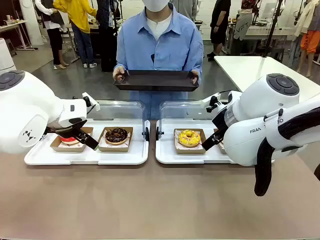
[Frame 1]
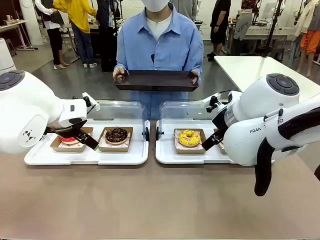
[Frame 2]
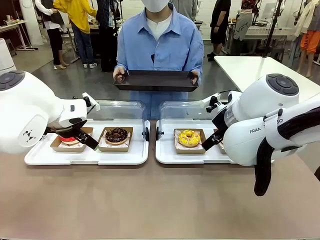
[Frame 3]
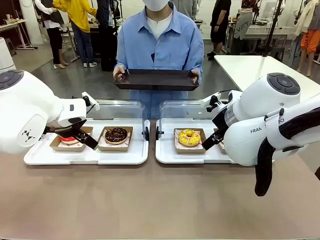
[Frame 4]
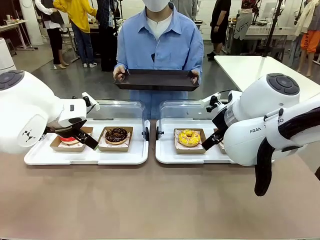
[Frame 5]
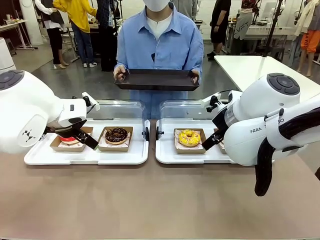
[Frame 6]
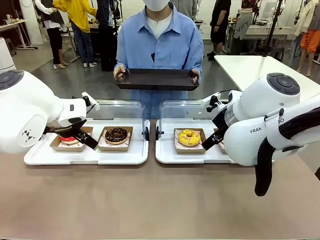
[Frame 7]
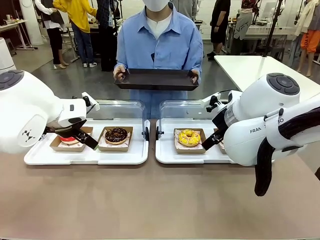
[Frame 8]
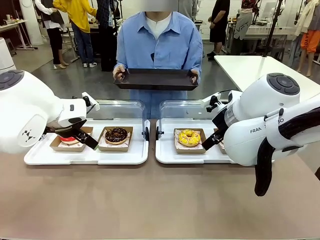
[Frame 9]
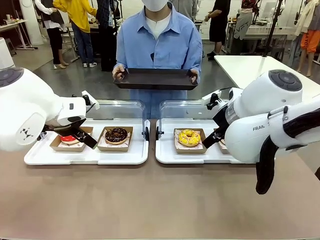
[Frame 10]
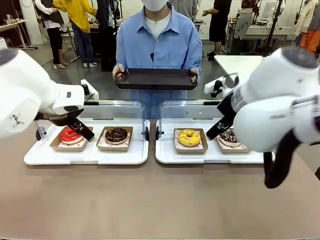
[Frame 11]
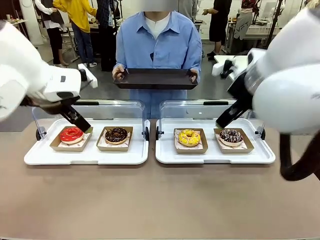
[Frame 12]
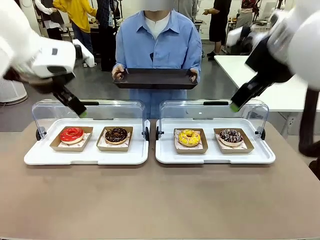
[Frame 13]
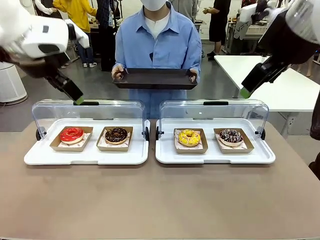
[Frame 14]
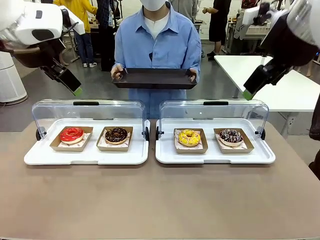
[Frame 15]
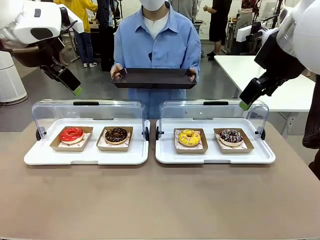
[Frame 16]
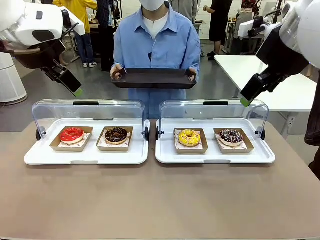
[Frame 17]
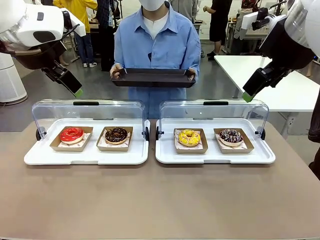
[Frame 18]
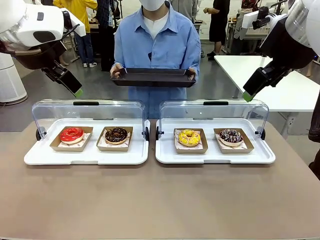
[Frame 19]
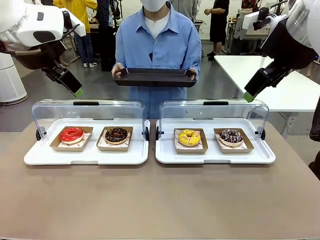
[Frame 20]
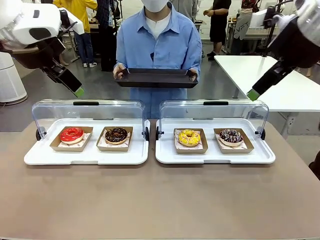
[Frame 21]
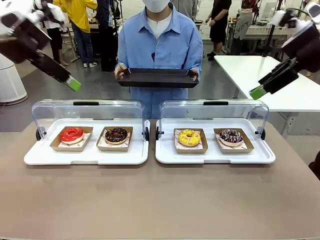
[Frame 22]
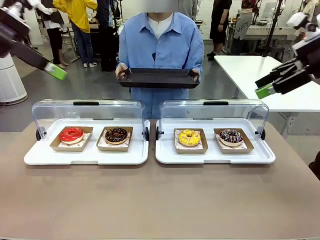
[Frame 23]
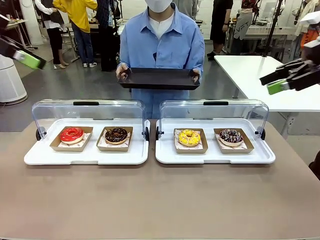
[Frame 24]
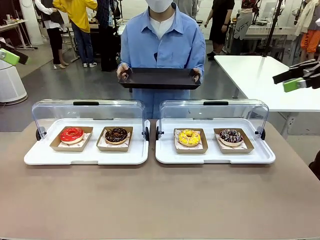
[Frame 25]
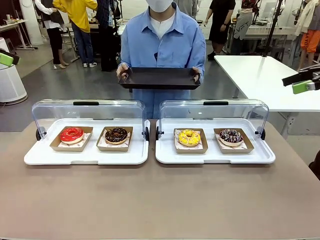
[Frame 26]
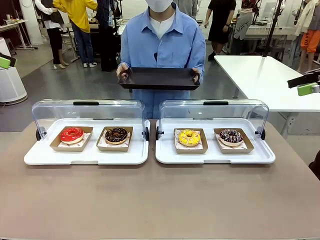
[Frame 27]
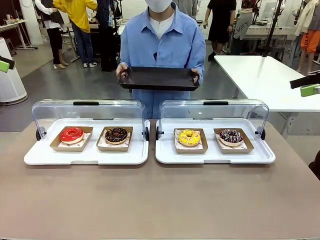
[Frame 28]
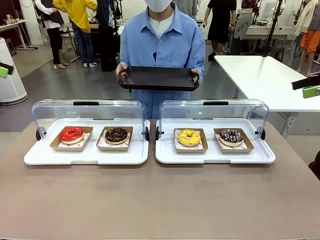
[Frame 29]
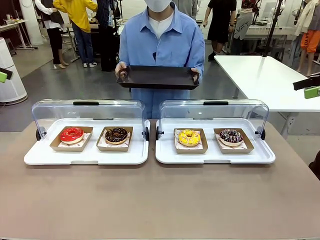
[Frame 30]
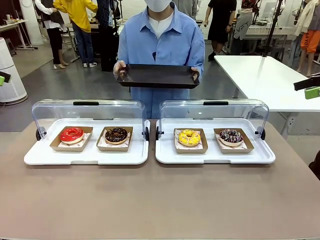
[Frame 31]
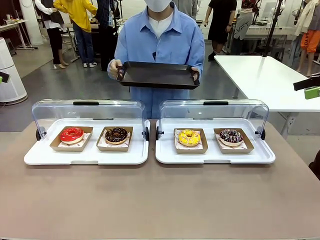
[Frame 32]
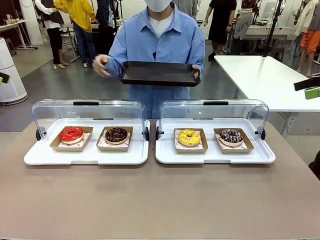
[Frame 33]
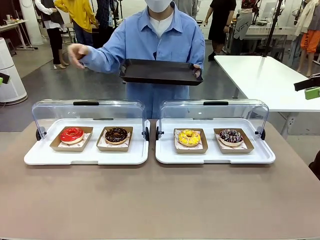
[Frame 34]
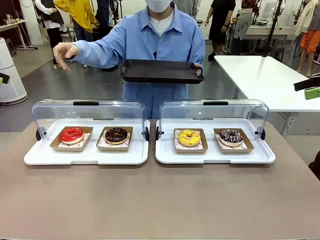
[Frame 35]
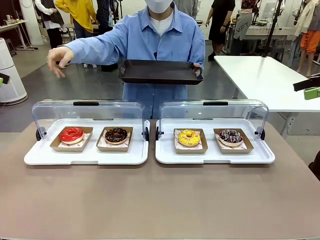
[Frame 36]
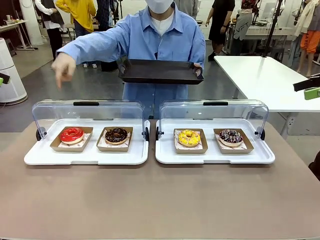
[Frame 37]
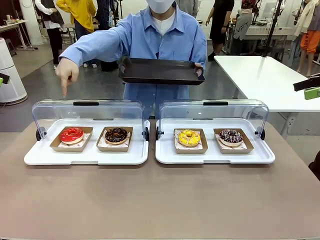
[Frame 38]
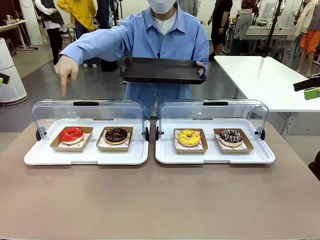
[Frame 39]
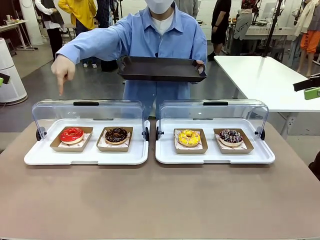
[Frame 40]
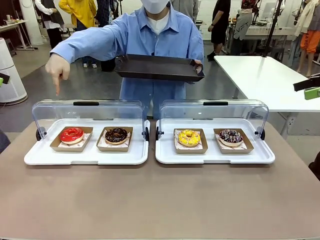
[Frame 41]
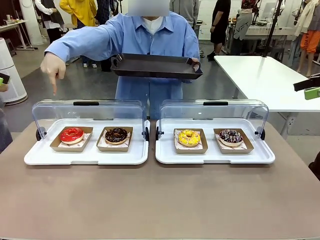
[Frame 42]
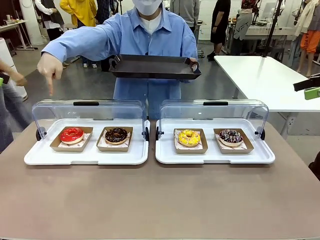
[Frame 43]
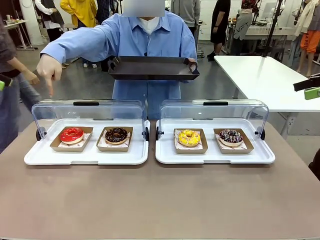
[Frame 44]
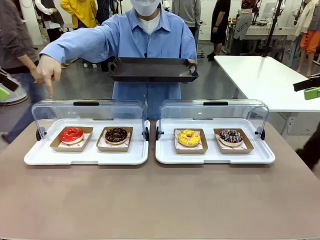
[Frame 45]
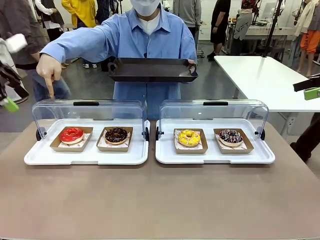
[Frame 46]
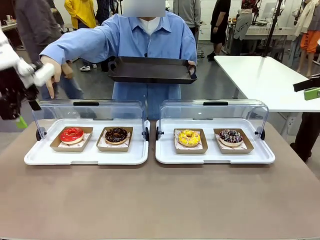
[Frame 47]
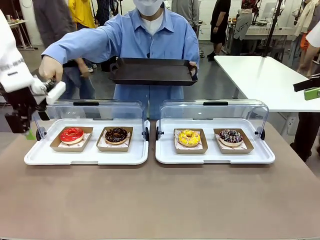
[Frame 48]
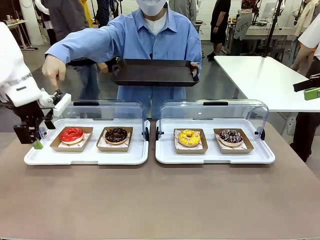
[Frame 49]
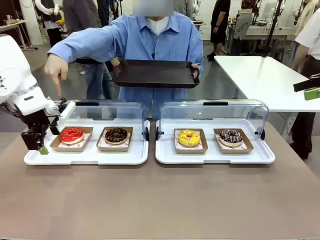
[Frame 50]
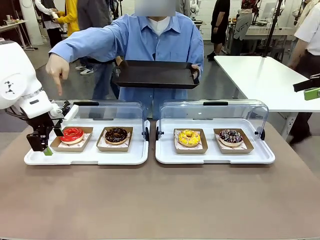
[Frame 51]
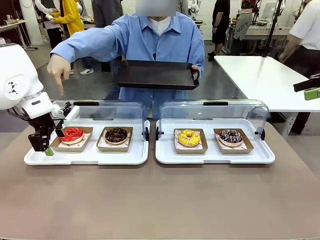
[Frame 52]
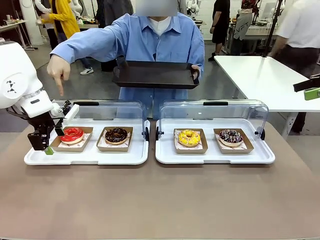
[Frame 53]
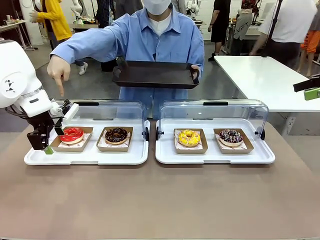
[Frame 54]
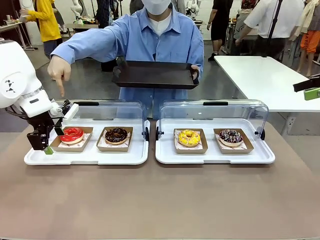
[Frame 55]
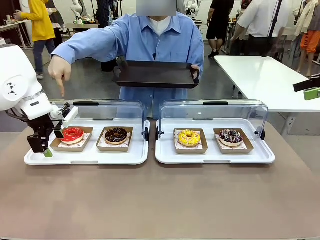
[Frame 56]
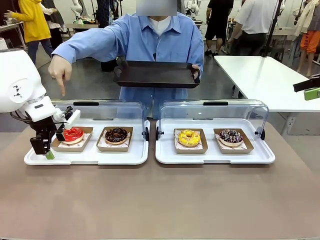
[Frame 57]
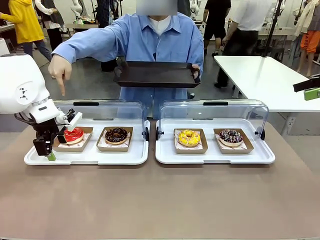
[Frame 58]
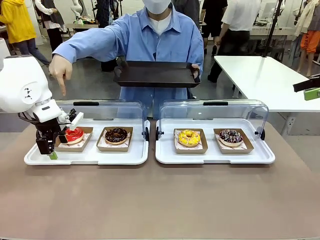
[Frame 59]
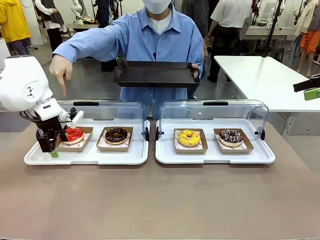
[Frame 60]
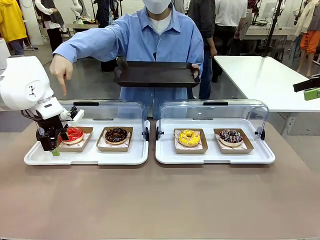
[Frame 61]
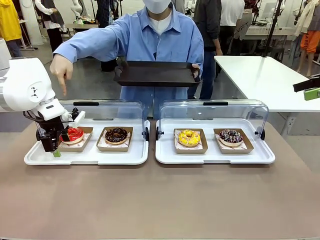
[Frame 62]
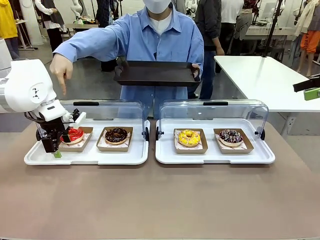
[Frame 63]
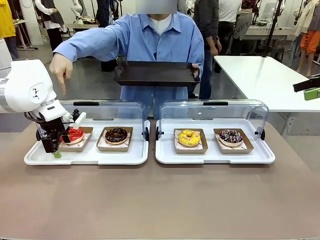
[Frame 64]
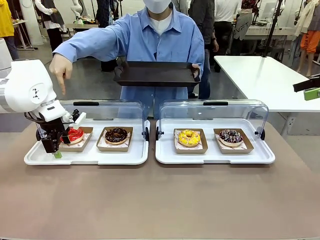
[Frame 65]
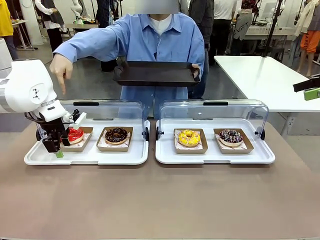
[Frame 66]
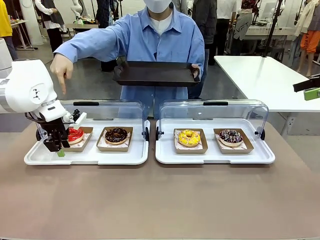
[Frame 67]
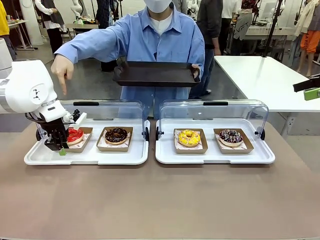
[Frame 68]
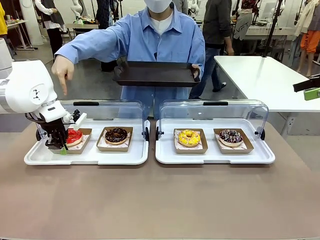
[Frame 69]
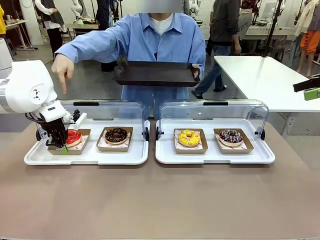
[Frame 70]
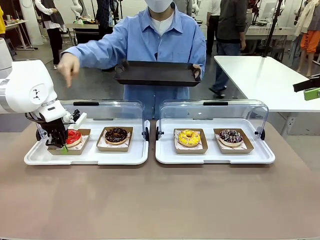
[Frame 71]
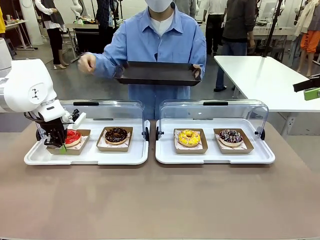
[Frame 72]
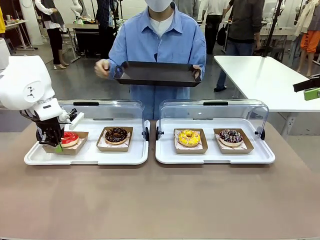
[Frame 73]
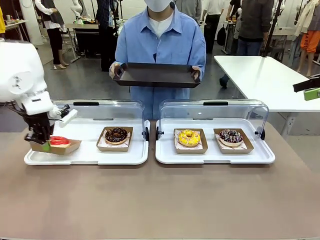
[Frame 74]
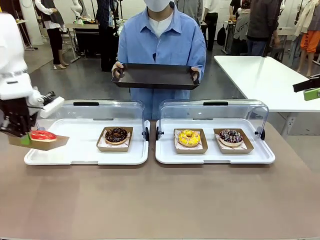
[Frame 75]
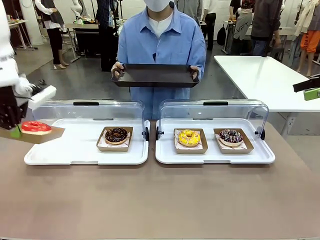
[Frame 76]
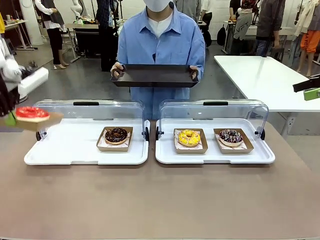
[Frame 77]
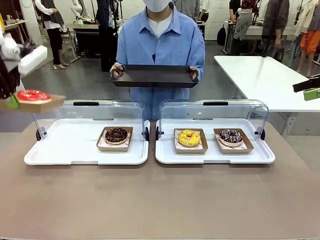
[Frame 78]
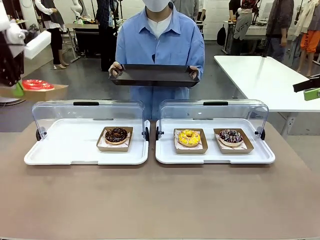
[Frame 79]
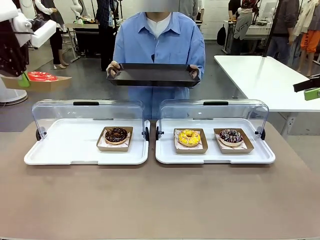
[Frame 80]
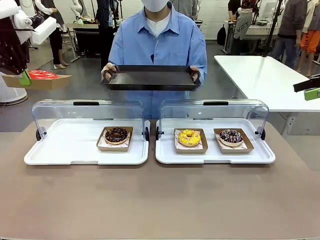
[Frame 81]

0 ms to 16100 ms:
Task: Provide the desired donut to the person.
Robot: Pick up and lift the Paper togo box containing the Donut pointed at by the person.
Person: Point to one donut. Lift the tray onto the Roll-Top Bakery Case.

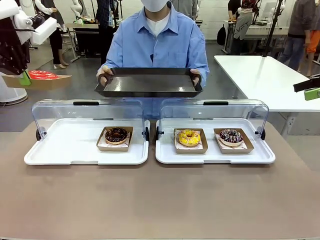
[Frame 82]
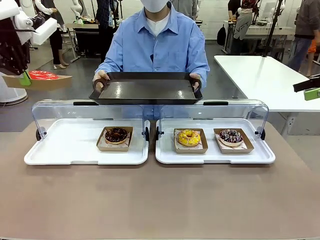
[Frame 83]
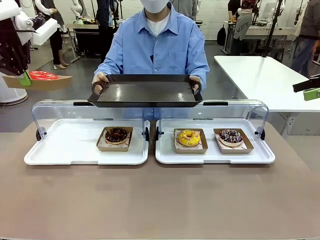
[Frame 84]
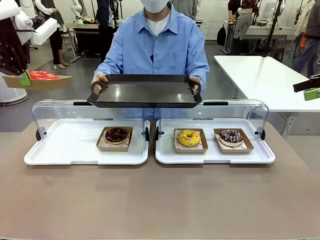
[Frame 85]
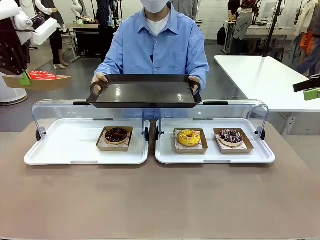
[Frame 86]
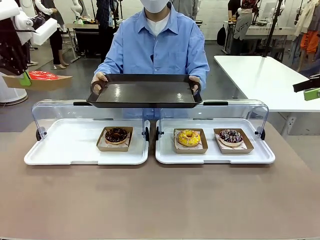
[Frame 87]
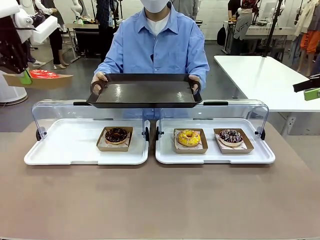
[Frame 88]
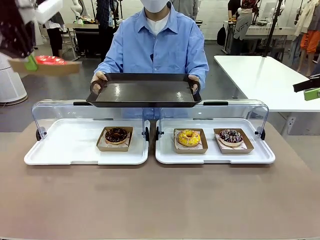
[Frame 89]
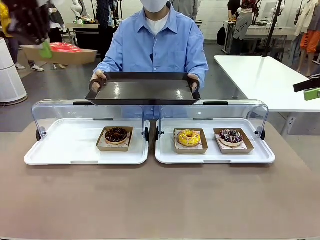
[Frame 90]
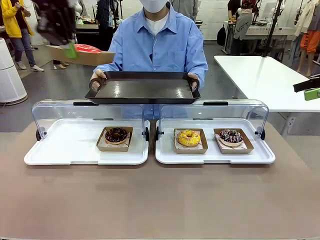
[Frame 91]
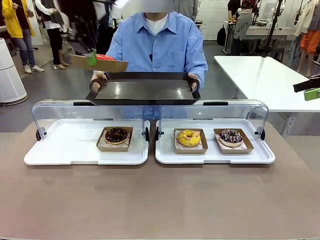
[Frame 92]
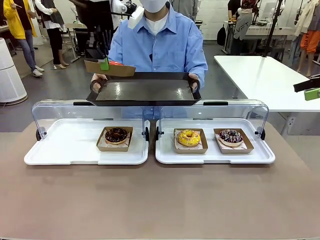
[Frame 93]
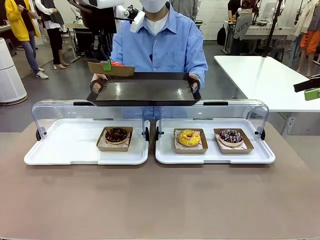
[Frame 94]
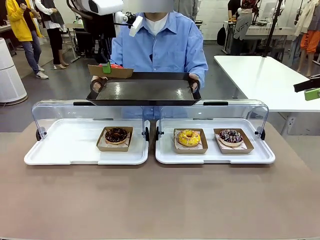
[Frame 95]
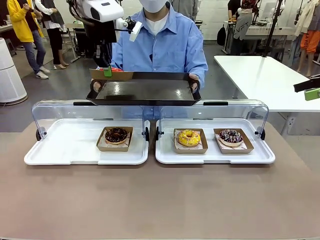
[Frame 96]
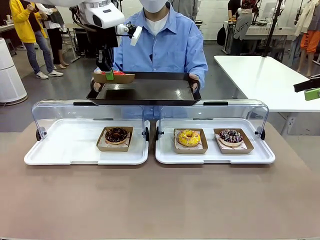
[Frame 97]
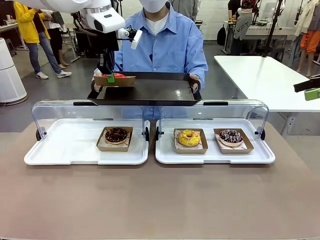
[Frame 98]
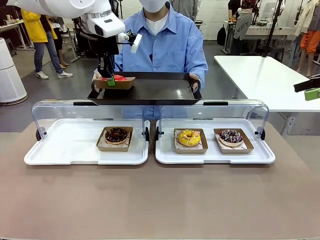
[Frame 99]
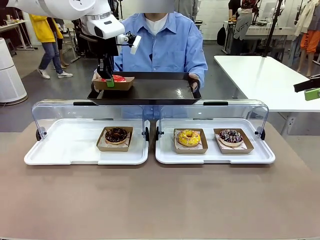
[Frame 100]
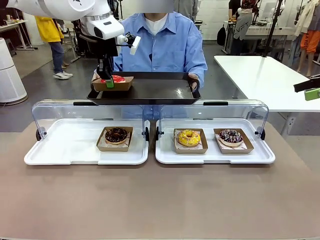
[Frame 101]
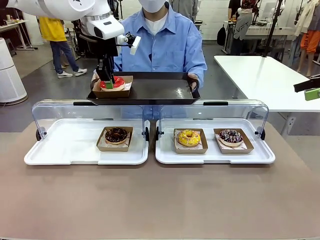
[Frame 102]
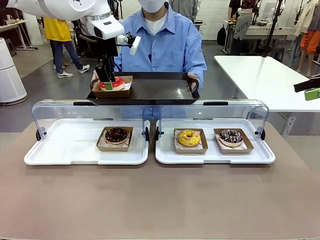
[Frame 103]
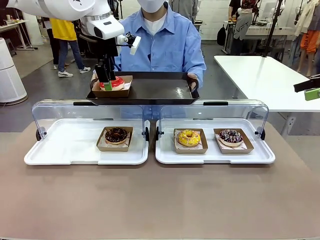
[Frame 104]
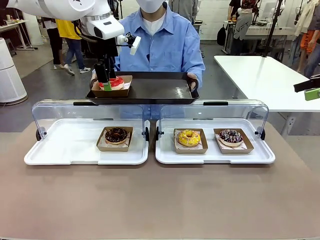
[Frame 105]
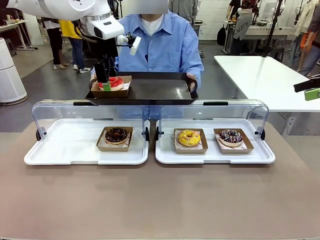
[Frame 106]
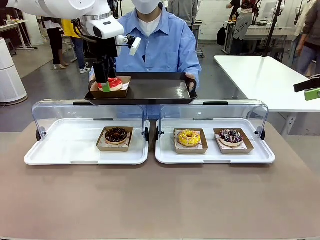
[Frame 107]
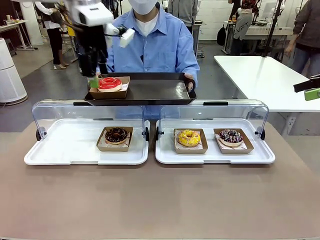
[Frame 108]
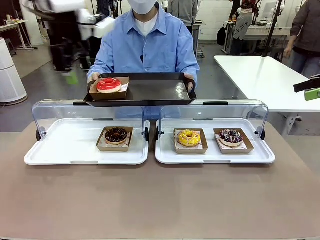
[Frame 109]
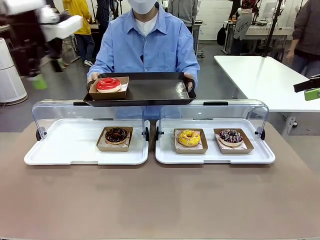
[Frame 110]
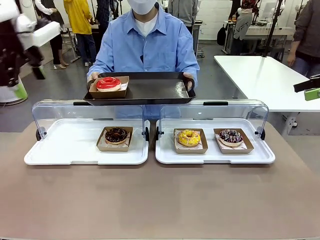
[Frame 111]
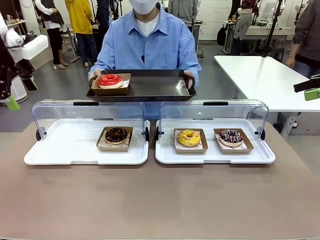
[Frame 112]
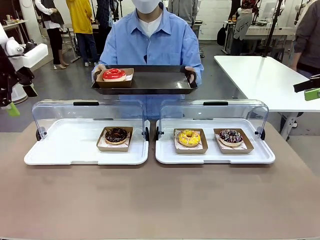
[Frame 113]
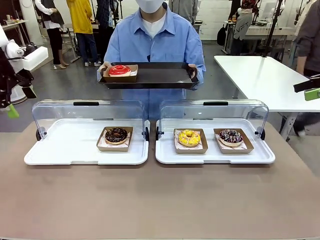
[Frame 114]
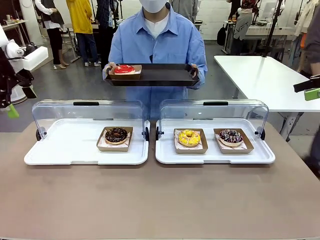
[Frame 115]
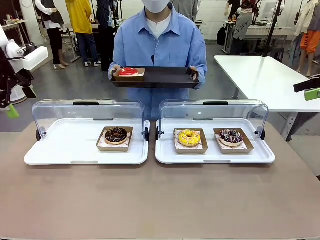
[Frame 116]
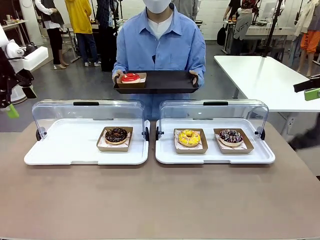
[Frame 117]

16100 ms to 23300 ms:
Robot: Place the picked Paper togo box onto the Handle tray extended by the person.
